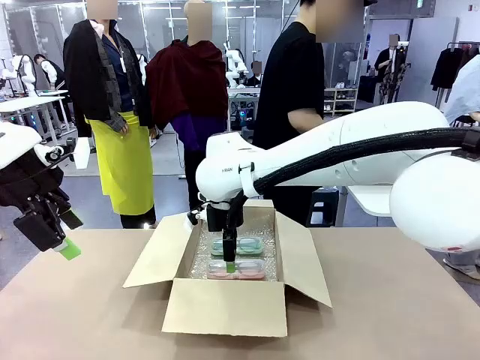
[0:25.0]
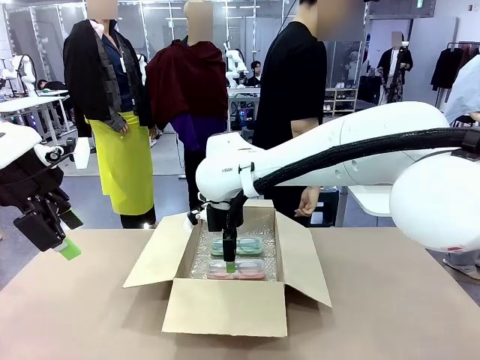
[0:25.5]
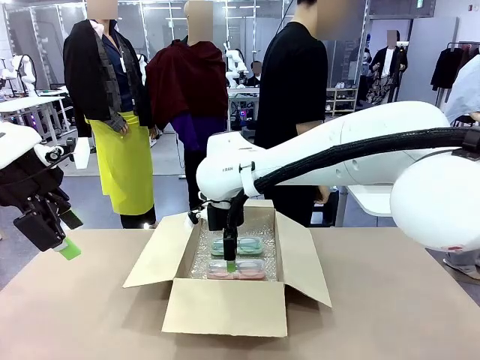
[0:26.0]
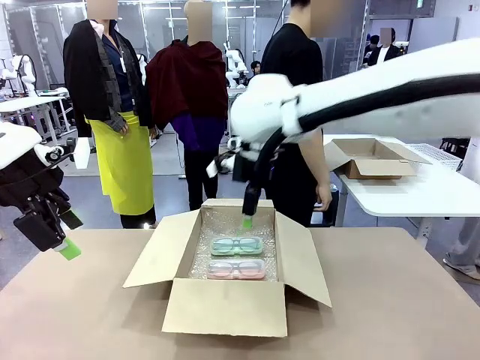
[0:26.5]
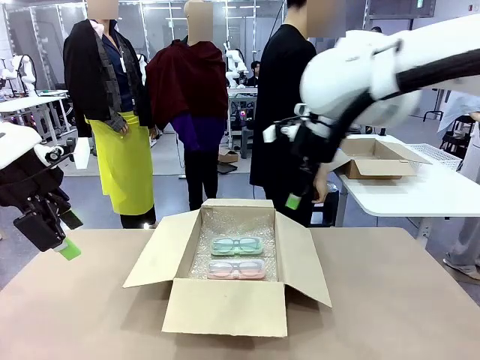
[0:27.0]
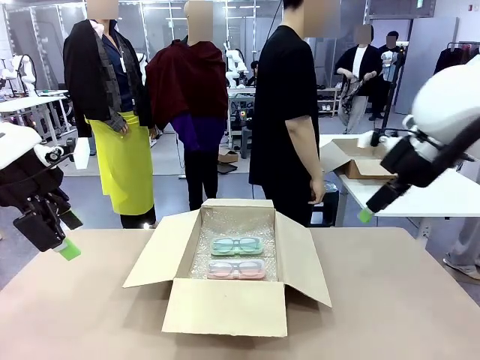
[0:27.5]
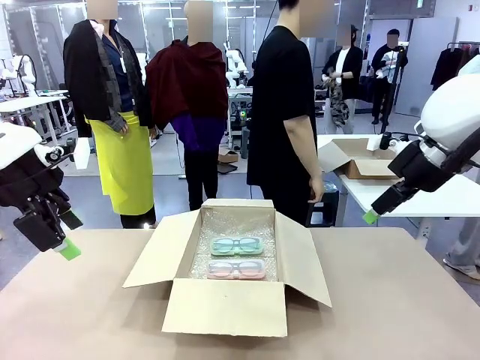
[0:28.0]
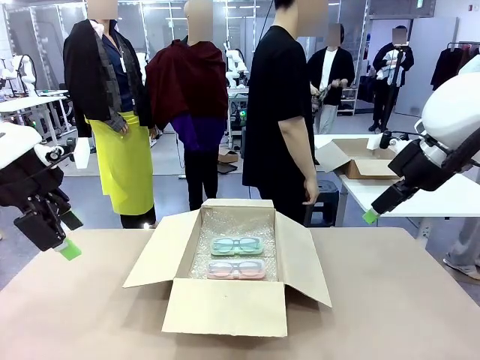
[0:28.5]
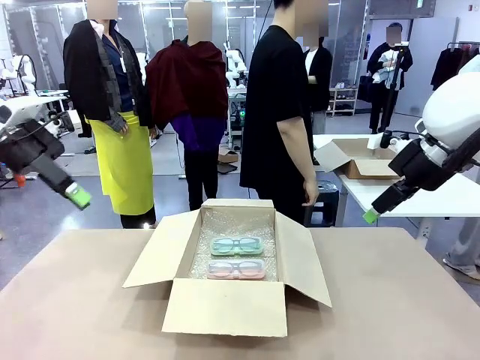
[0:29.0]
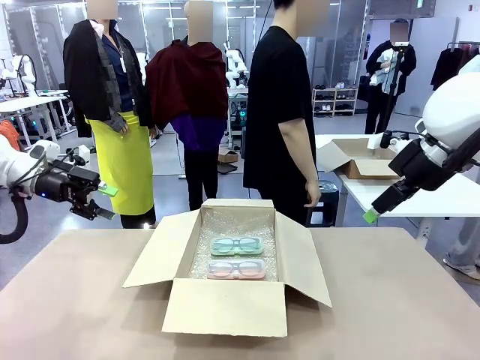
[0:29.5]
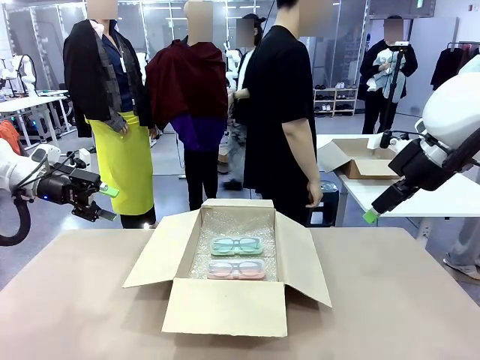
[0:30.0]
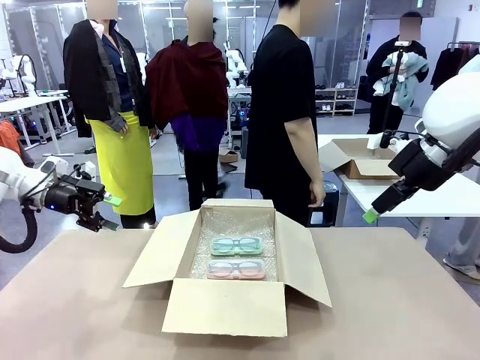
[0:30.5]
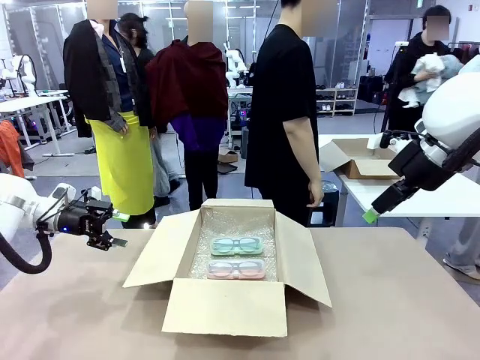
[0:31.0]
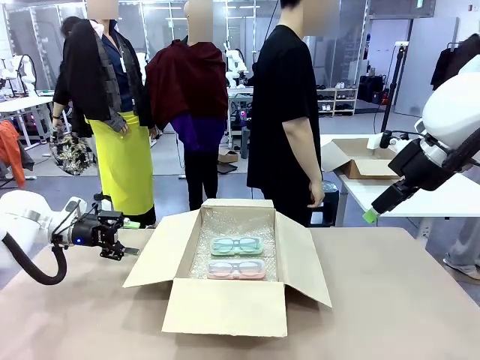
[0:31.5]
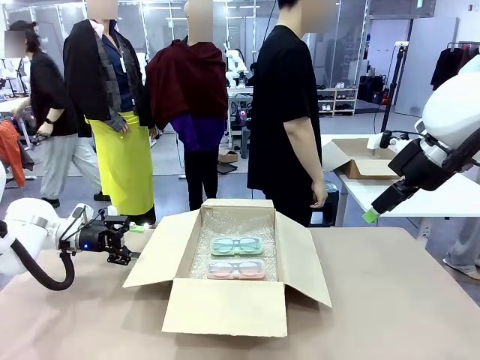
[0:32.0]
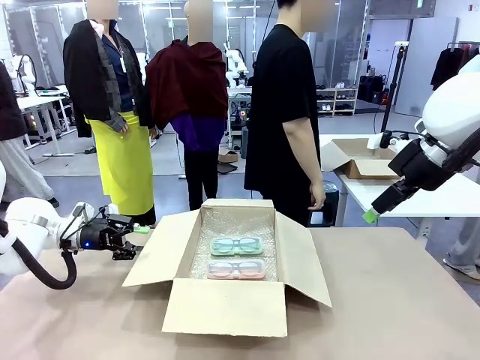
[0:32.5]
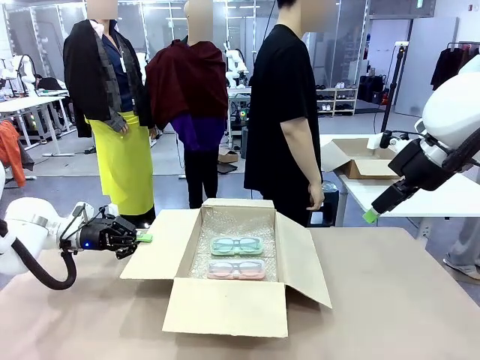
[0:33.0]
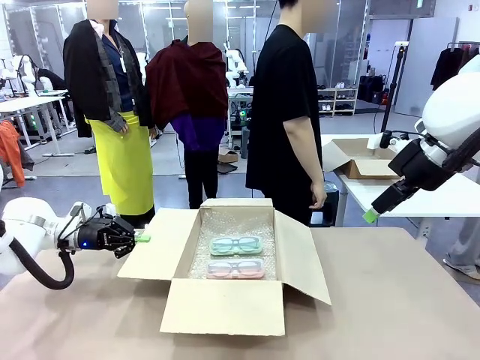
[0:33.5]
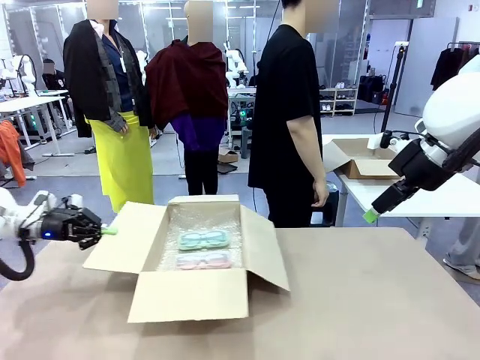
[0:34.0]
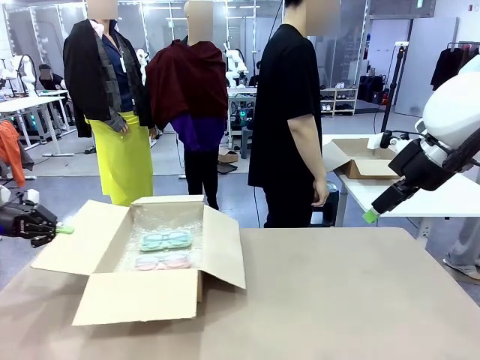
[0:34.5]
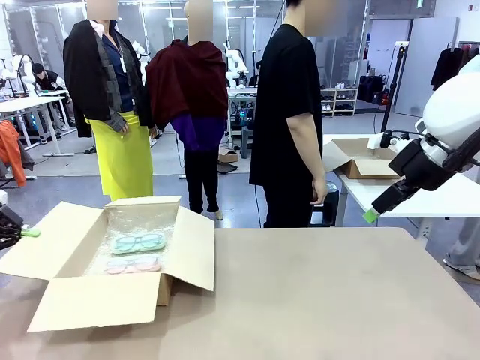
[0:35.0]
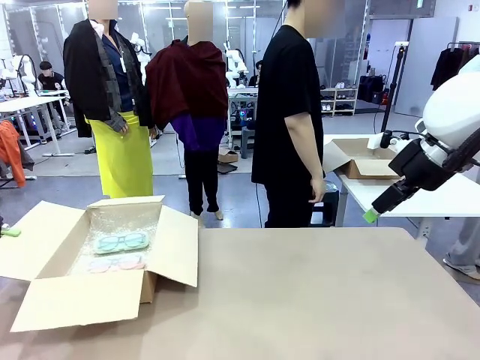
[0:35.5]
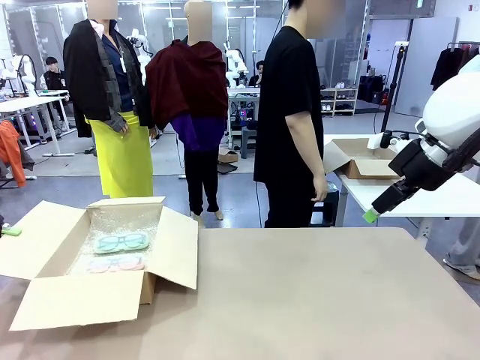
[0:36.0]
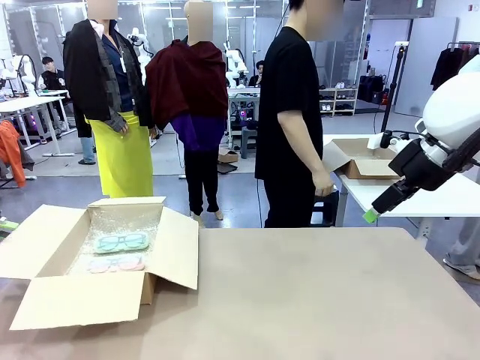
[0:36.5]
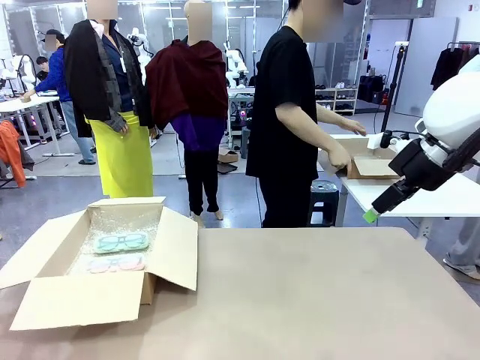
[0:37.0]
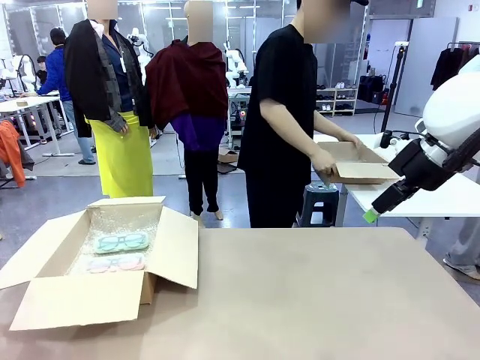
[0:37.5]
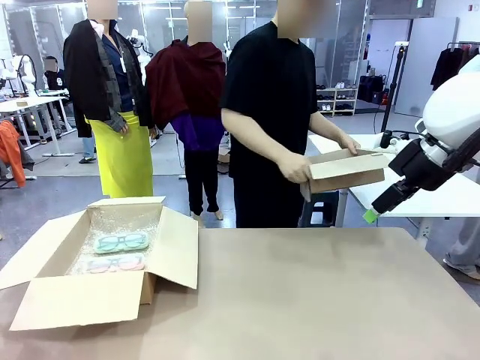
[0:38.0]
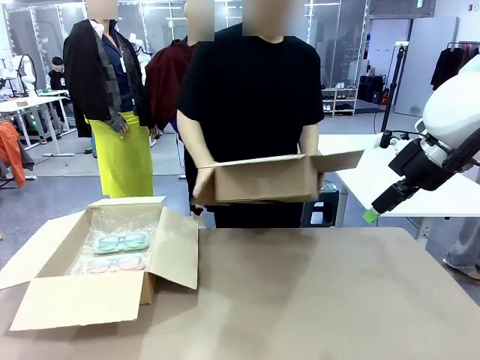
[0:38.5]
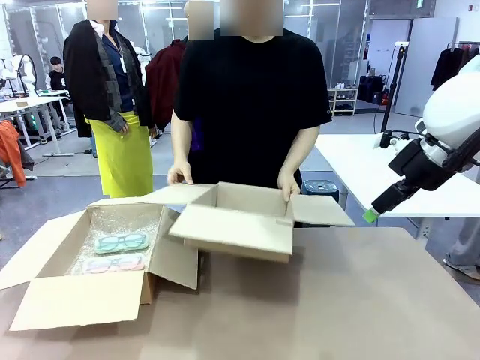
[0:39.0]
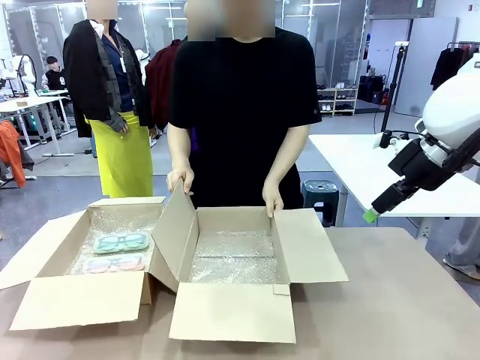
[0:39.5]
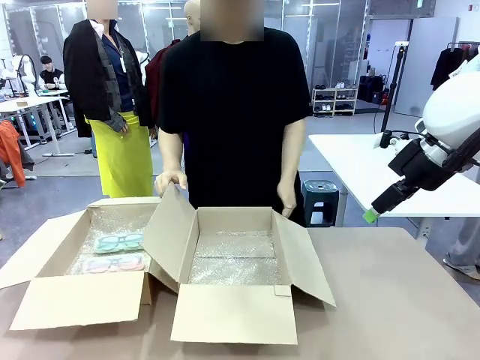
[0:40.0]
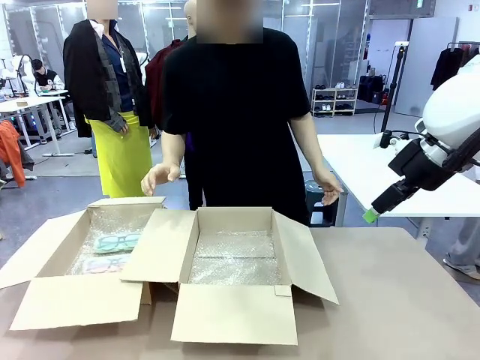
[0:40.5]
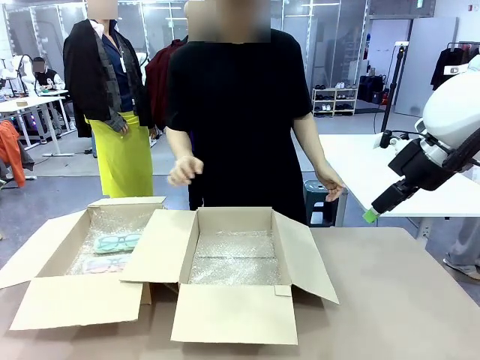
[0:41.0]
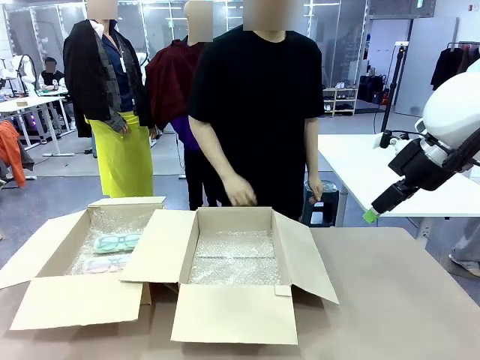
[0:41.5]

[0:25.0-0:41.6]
Task: Pack the glasses set securely to prepare it for shipping.
Robot: Position the Package Box on the left side of the table.
Person: Position the empty Package Box in the middle of the robot's table.

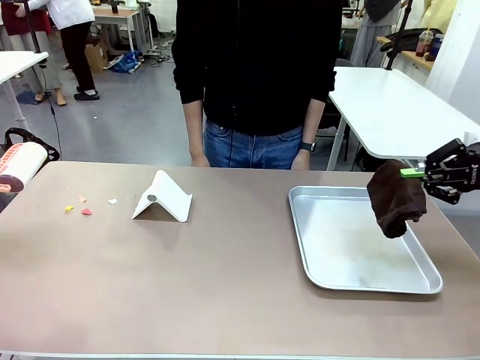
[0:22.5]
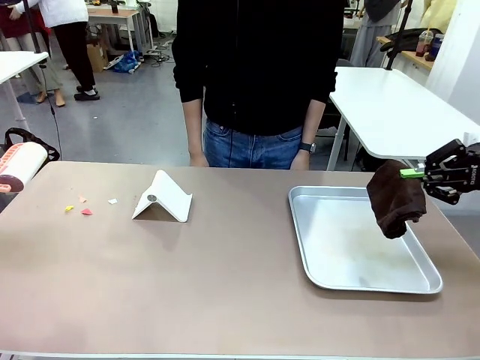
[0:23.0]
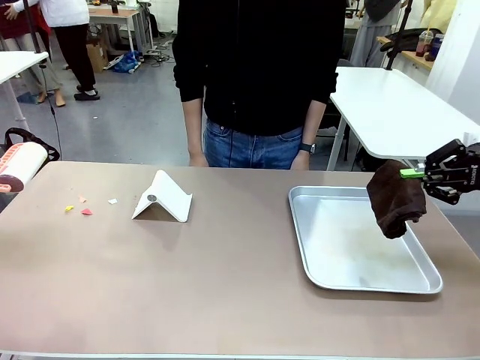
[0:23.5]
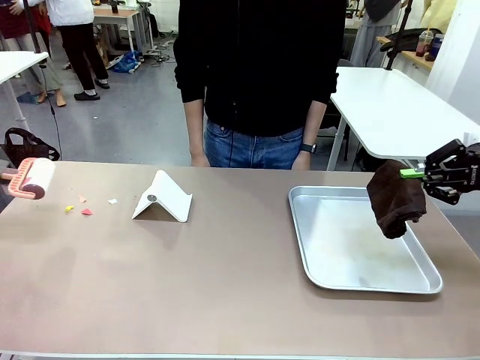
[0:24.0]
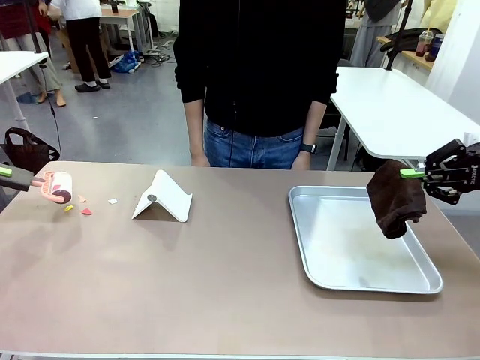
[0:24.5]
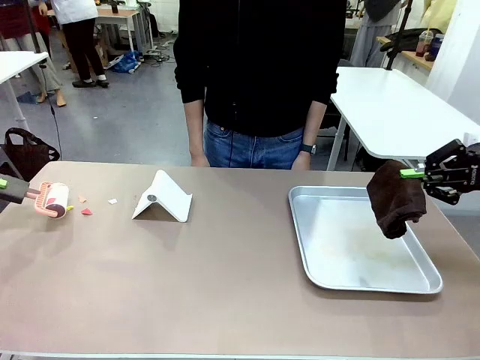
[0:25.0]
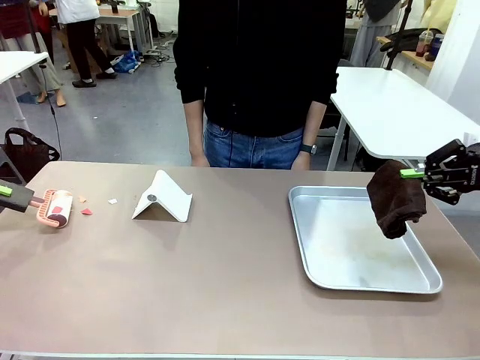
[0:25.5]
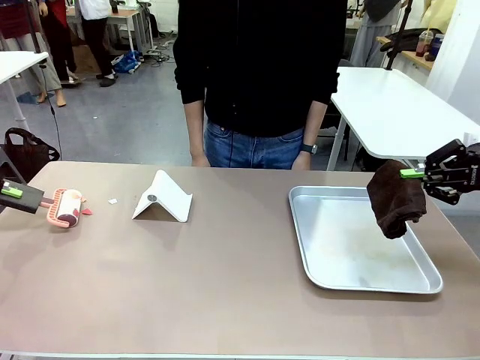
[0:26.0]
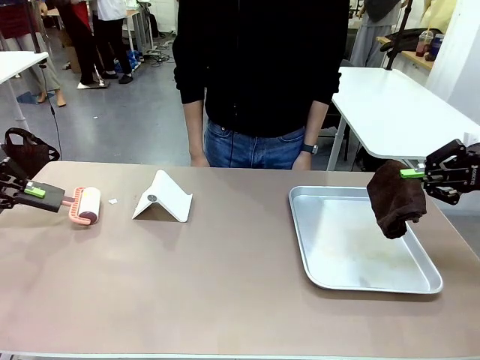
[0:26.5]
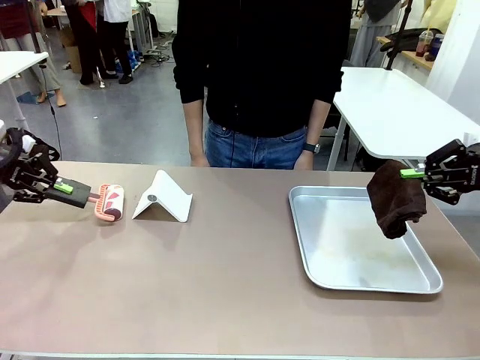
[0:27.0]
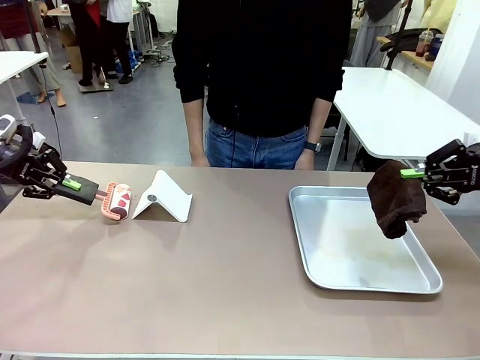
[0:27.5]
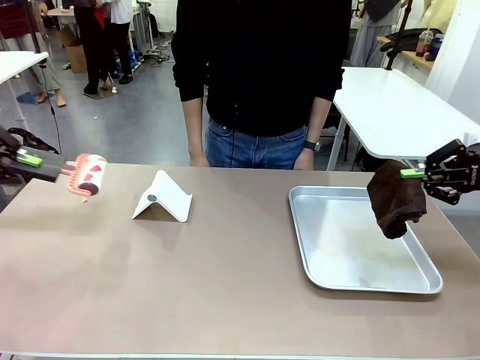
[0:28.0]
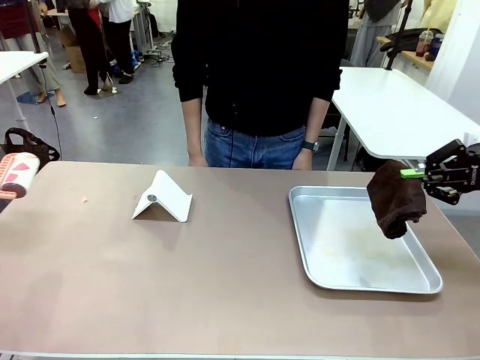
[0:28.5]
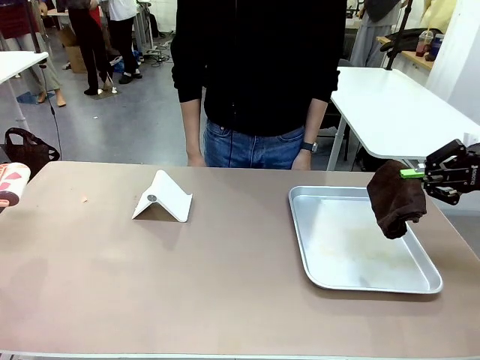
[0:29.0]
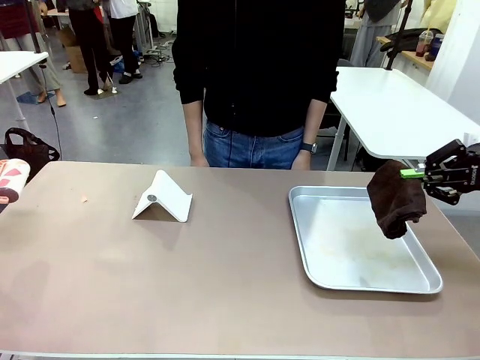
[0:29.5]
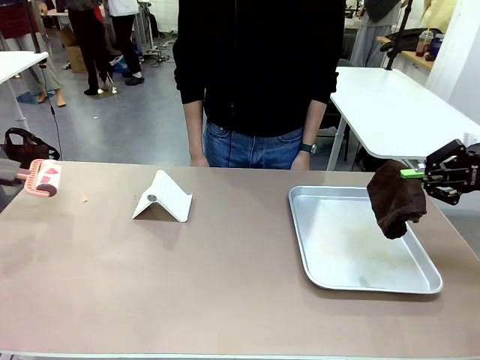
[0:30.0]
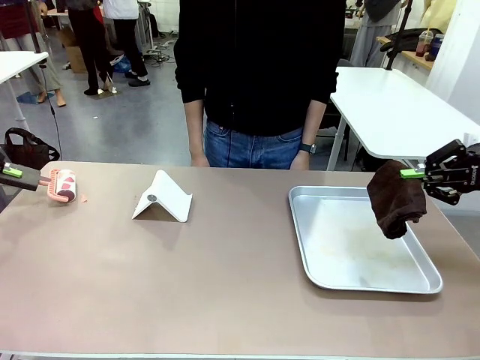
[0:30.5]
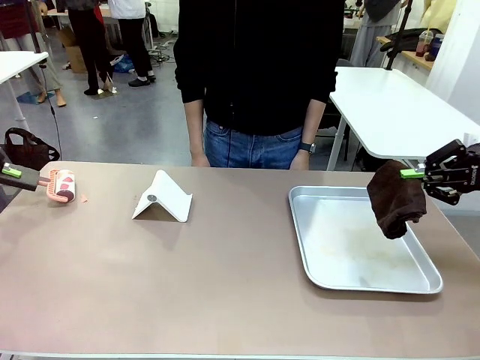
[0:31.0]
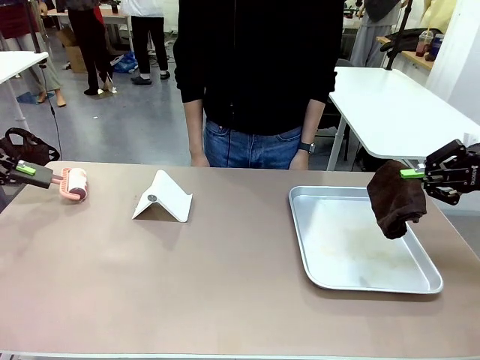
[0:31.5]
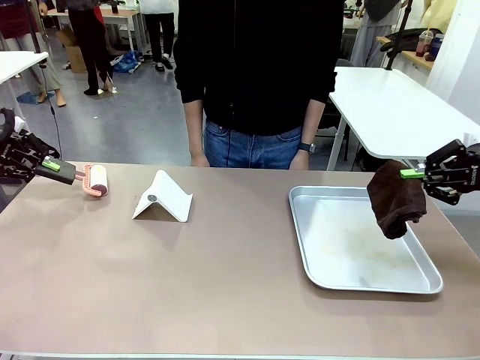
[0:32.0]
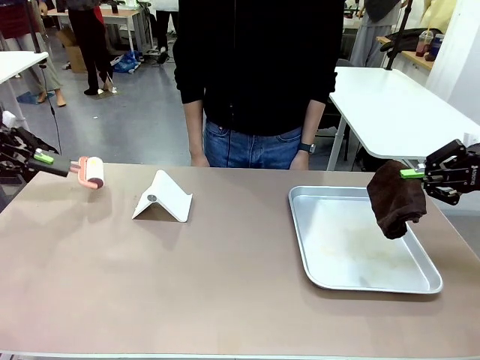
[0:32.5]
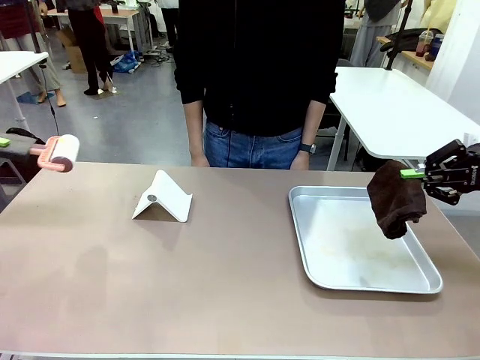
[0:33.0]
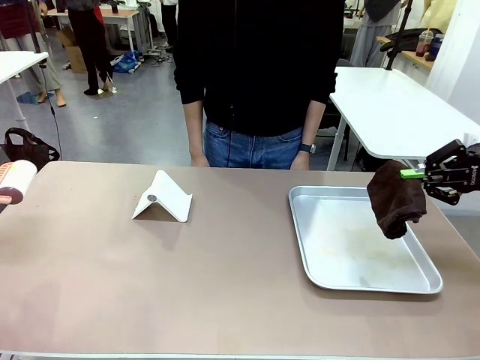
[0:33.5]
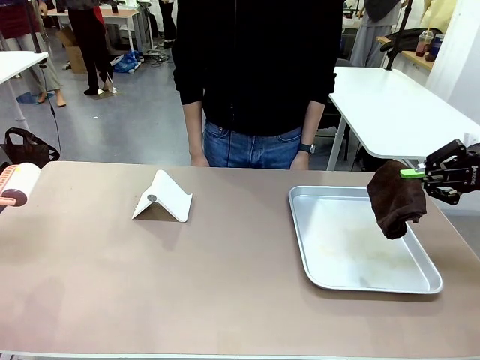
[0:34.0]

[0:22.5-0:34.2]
Task: Clean the surface of the table.
Robot: Clean the area not pointed to by the person.
